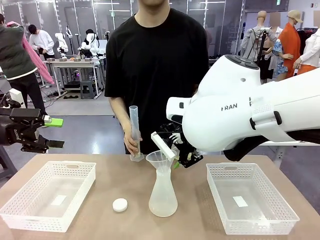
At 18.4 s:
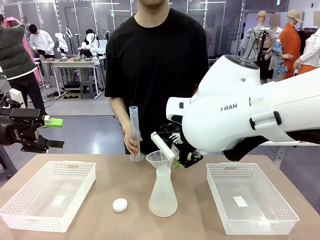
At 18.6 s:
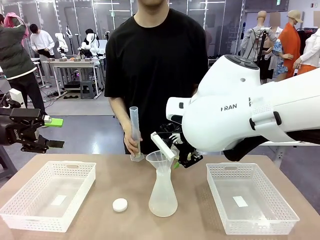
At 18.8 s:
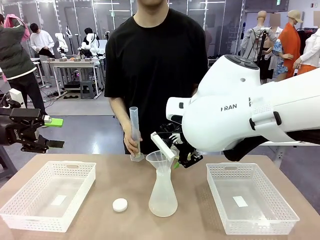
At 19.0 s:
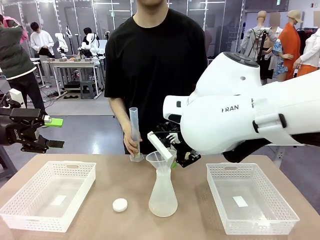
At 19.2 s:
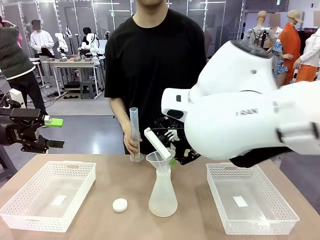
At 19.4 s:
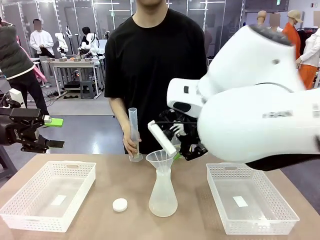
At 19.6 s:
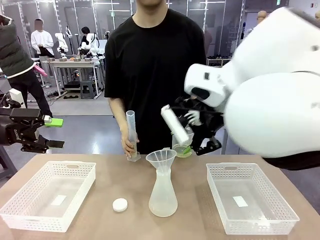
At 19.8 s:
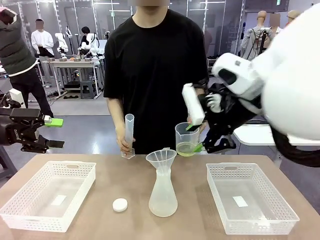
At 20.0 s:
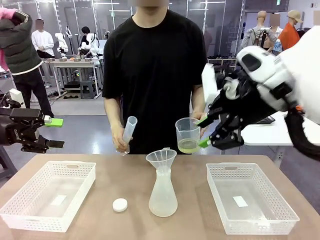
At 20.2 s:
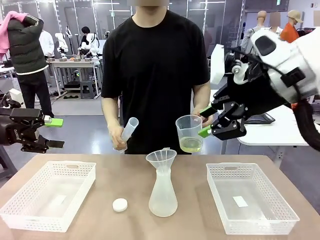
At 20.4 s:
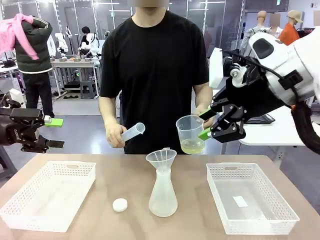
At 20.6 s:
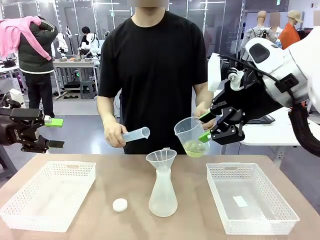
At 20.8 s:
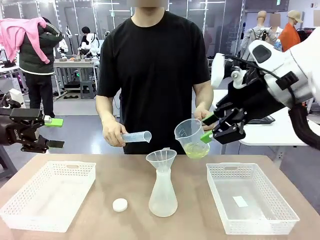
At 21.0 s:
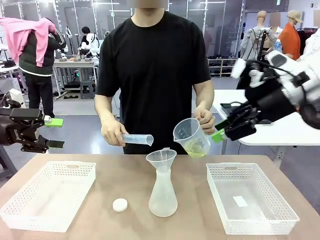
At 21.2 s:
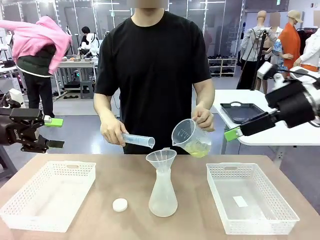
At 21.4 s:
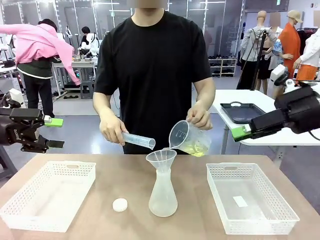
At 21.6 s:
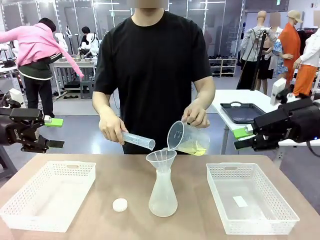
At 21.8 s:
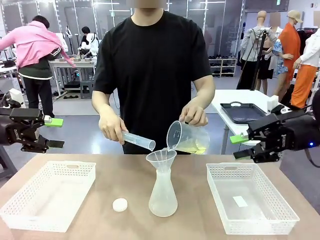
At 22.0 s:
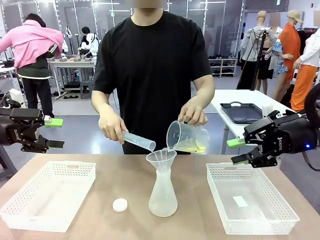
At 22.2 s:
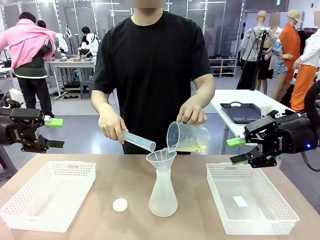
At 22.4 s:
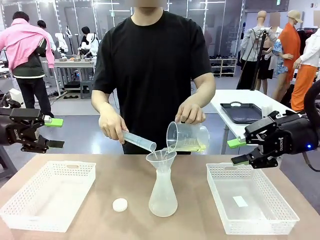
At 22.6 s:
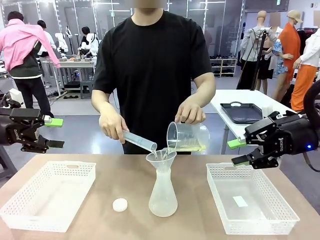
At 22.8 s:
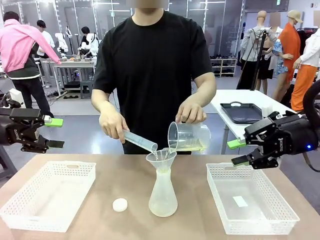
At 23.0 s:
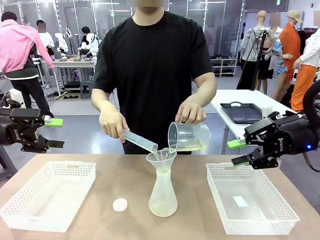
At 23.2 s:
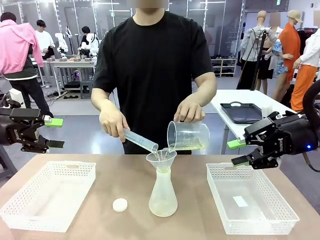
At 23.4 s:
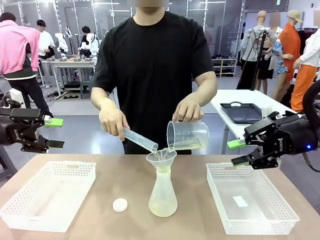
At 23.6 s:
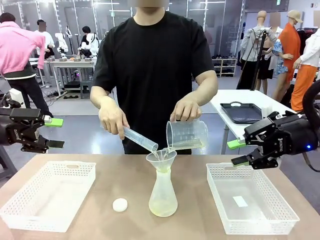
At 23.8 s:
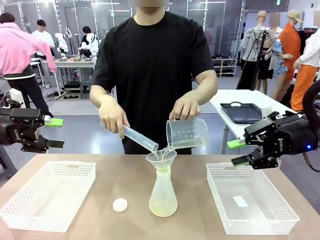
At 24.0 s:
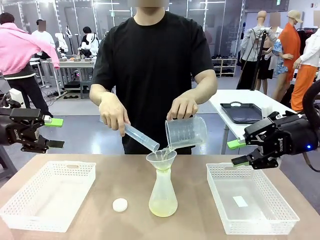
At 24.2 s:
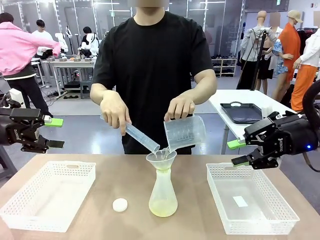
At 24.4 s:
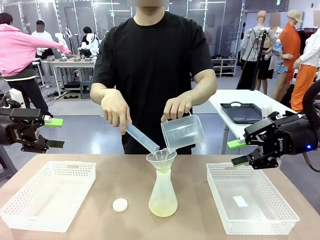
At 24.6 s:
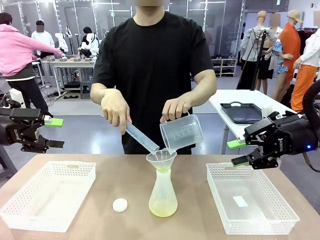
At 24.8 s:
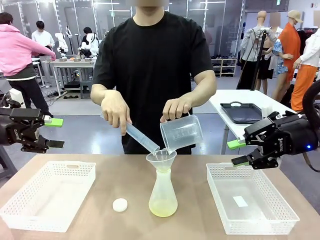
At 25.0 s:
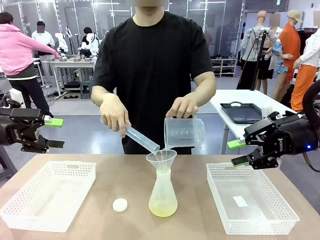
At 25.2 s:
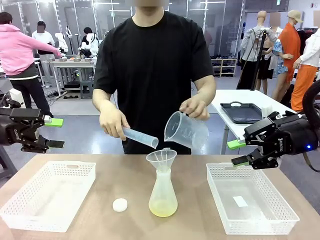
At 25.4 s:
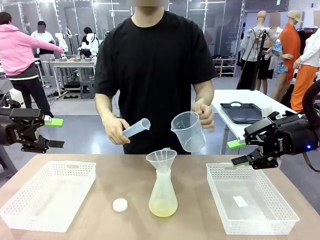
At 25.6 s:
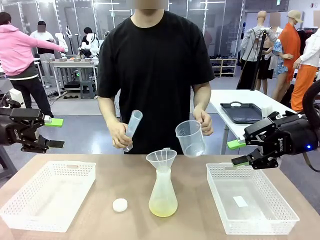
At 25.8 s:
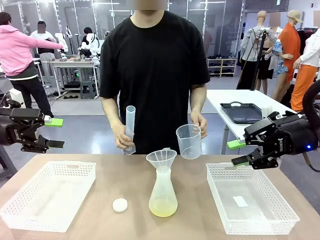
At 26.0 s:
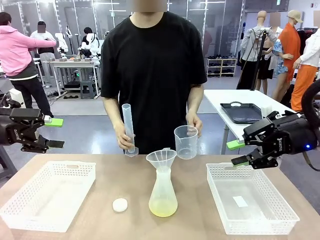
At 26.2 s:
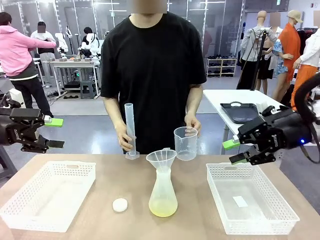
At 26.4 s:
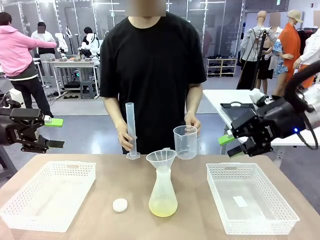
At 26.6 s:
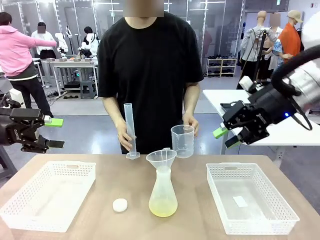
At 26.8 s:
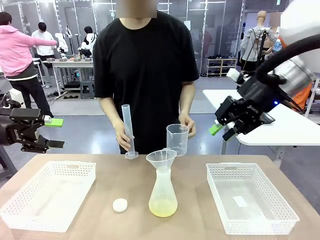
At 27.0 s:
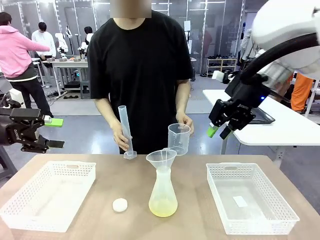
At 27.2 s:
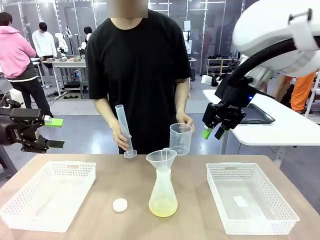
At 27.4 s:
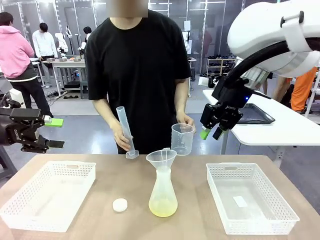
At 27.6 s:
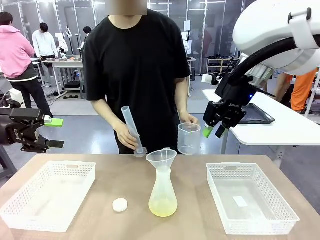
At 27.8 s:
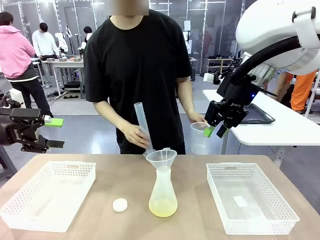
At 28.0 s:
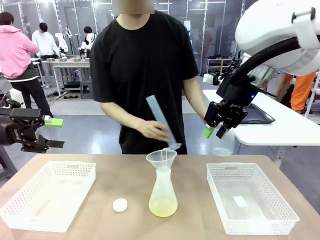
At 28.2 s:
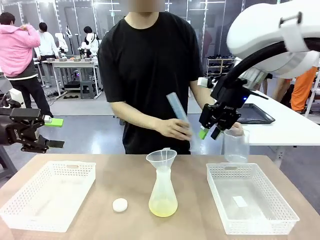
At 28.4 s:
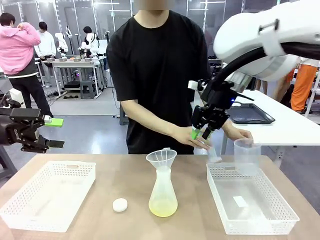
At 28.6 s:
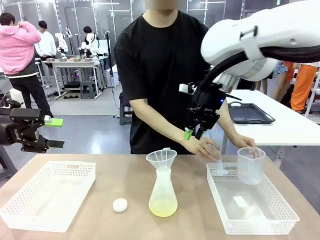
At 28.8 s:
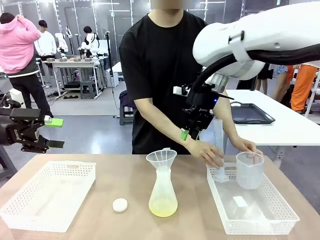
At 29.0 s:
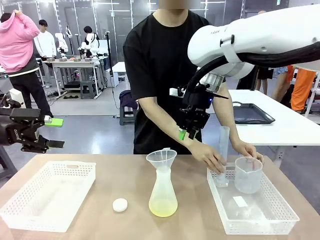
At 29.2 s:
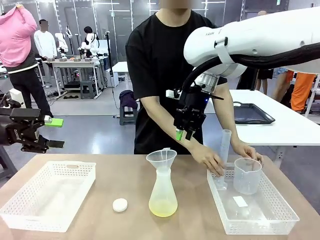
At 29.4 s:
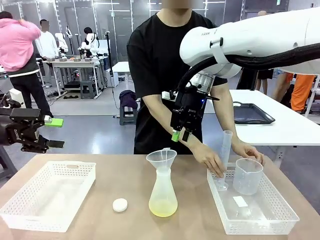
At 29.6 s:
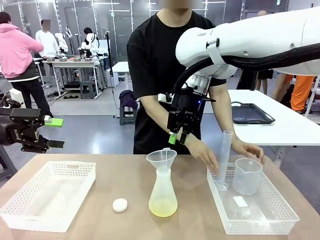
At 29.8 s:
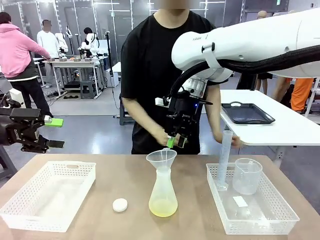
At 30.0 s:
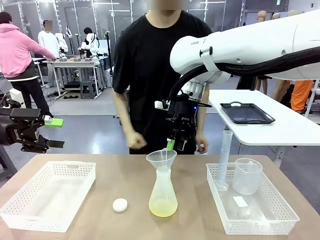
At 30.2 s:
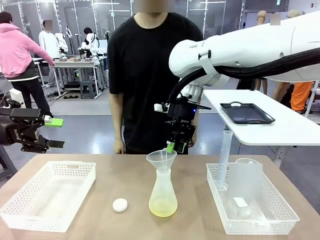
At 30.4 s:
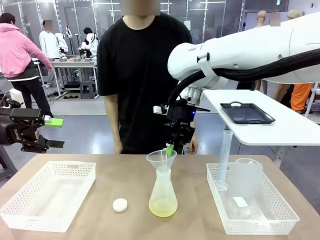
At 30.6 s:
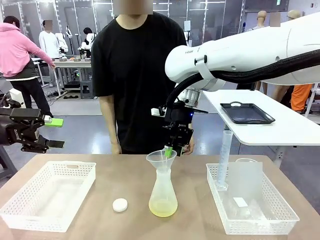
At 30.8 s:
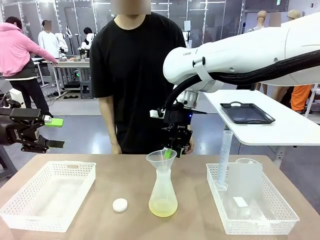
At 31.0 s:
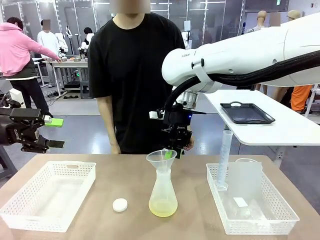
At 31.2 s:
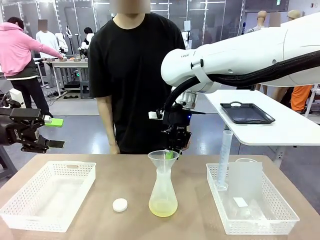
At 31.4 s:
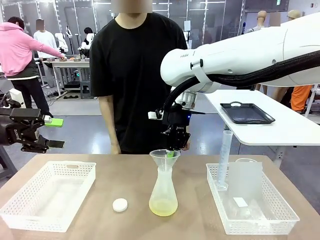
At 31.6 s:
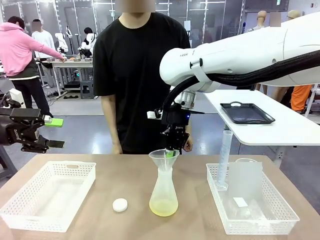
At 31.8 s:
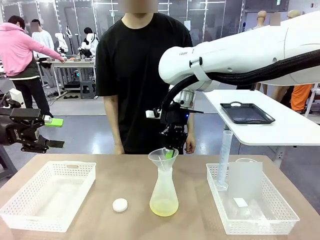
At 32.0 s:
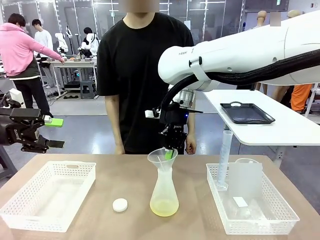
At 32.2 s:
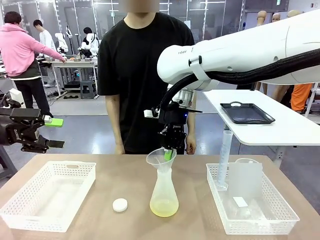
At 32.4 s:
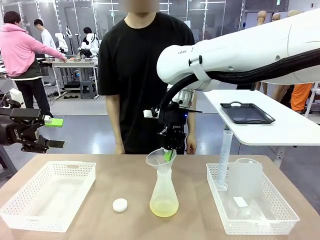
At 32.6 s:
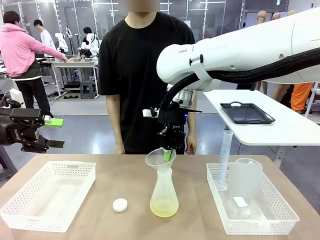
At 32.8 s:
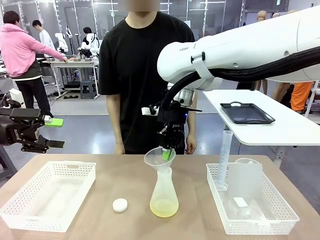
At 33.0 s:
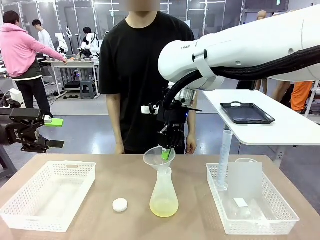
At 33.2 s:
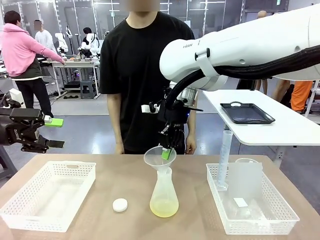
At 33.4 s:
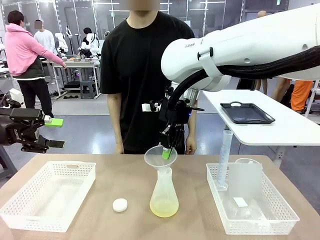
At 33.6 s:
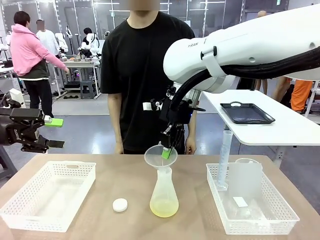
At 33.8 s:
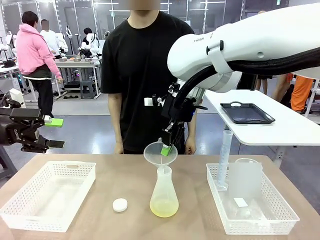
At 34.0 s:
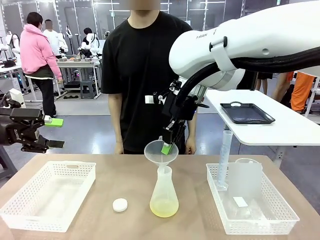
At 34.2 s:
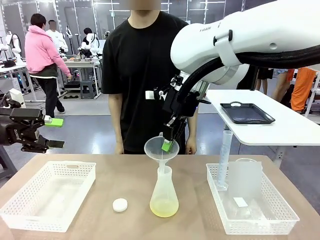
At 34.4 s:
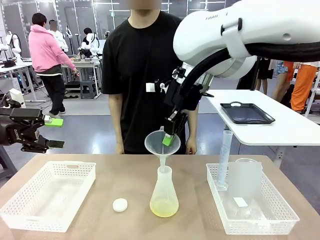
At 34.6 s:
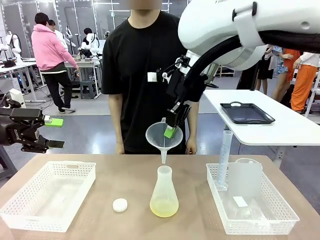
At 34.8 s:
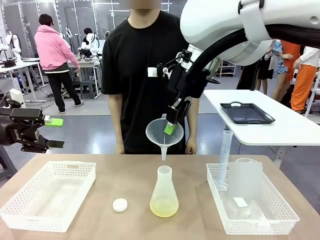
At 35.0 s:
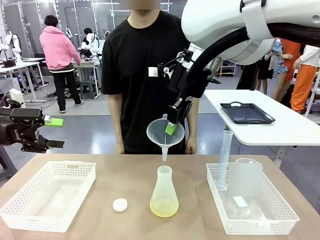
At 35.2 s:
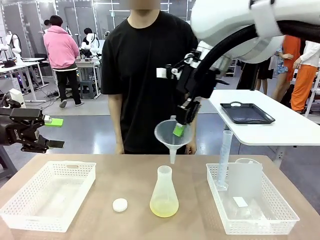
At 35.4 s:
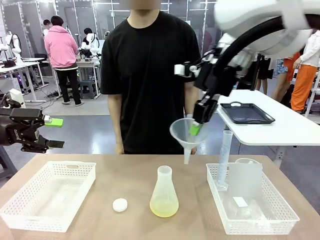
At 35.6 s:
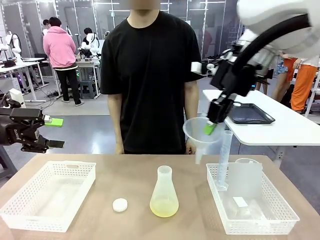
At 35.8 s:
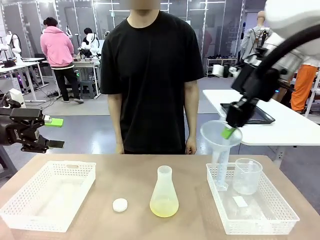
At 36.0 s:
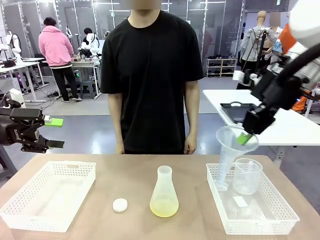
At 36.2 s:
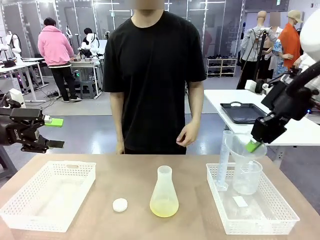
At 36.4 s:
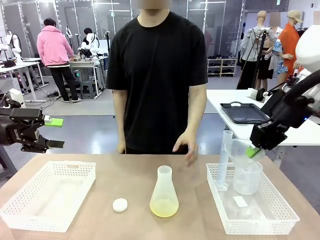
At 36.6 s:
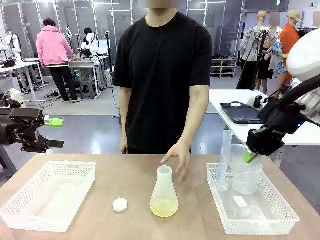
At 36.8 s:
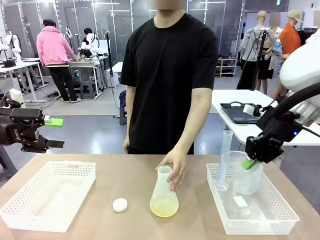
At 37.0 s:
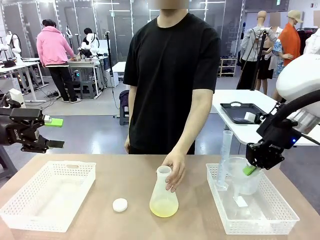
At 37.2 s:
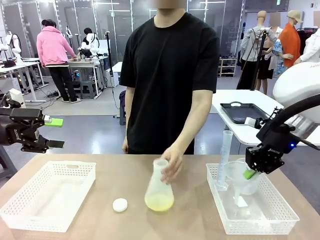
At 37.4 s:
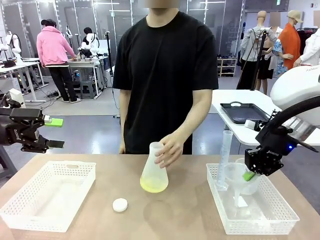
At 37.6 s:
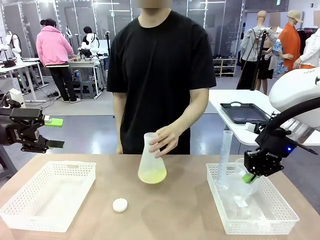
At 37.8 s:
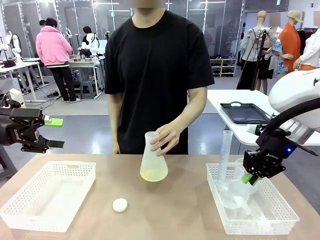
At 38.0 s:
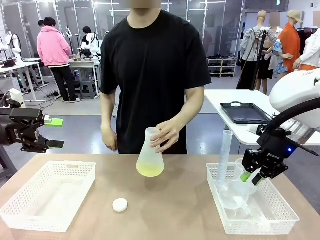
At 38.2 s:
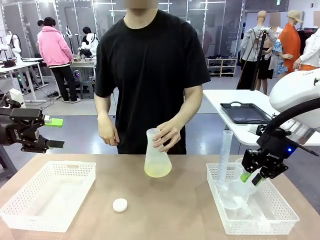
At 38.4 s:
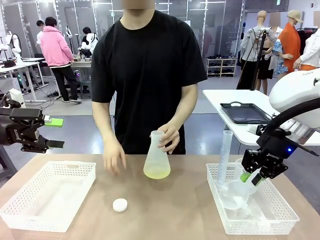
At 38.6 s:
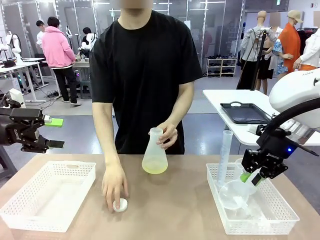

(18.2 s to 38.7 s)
Task: Prepare the solutions needed for the experiment.
Robot: Once the solution is in the Big flask , pick up the Plastic Funnel and place it back into the right Organizing basket.
Person: Place the beaker and the cylinder into the organizing basket on the left side. Pick up the flask, gently shake it 2–3 times, place it in the middle of the robot table, and close the lid.
